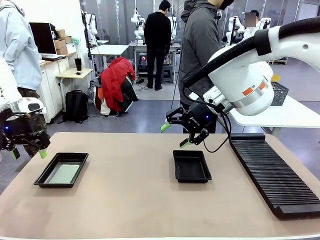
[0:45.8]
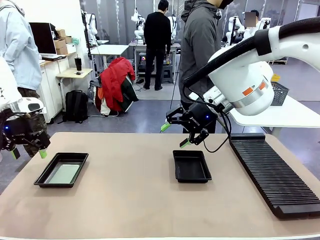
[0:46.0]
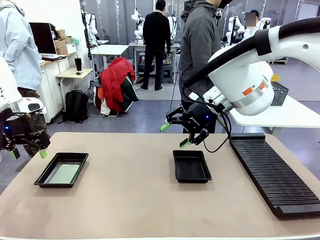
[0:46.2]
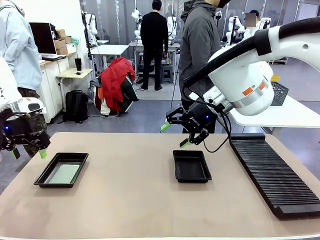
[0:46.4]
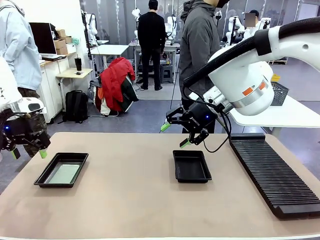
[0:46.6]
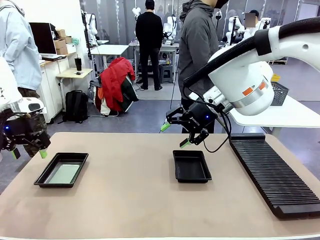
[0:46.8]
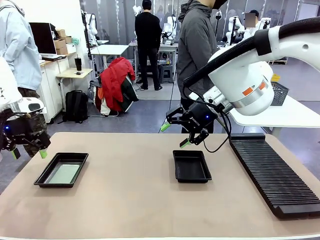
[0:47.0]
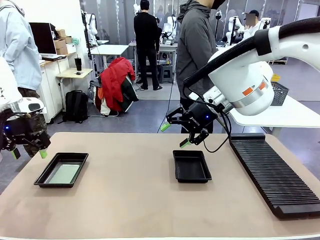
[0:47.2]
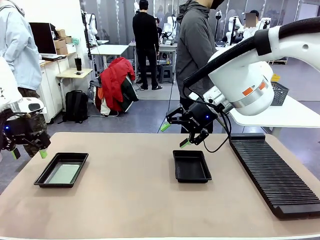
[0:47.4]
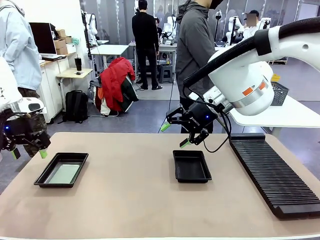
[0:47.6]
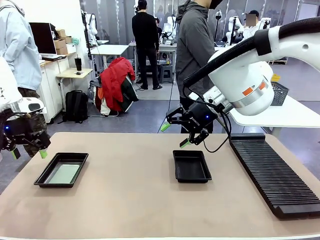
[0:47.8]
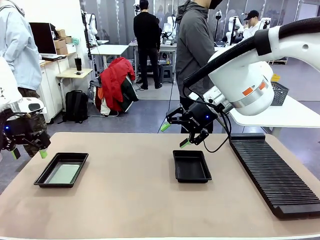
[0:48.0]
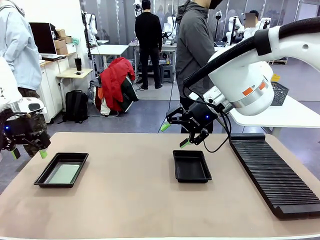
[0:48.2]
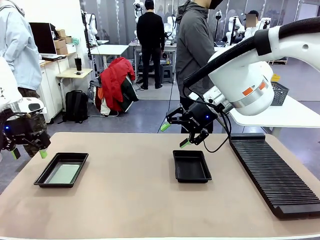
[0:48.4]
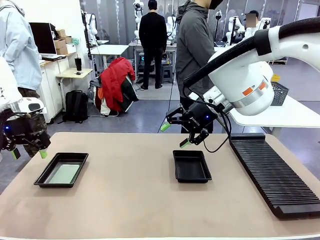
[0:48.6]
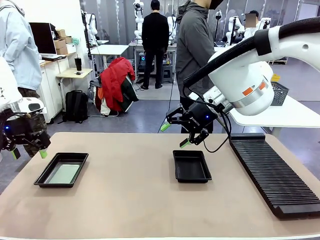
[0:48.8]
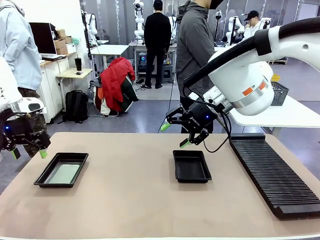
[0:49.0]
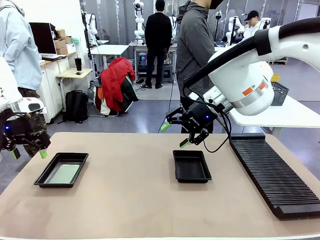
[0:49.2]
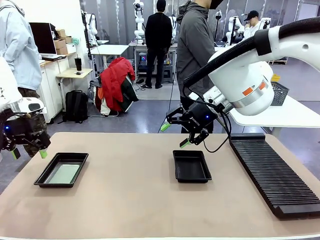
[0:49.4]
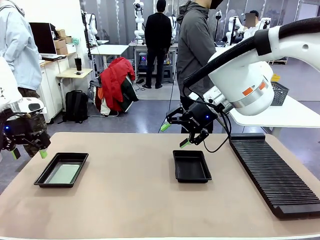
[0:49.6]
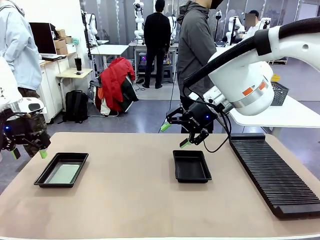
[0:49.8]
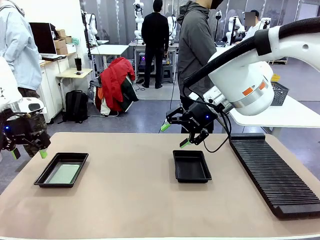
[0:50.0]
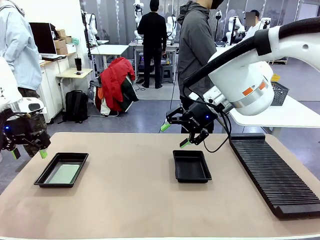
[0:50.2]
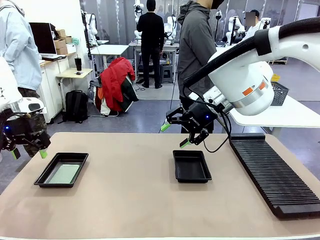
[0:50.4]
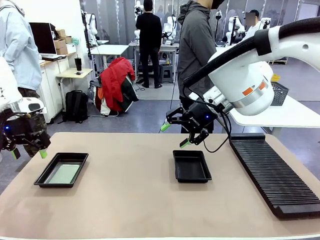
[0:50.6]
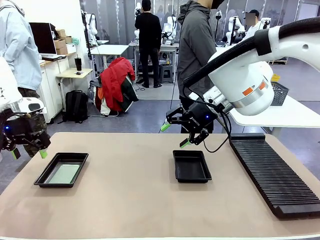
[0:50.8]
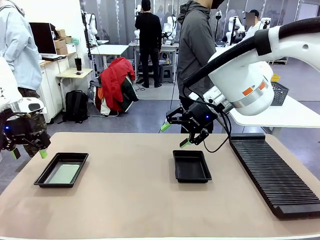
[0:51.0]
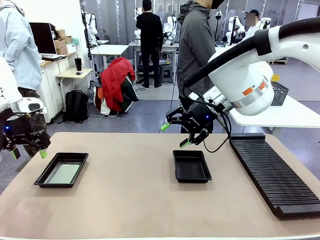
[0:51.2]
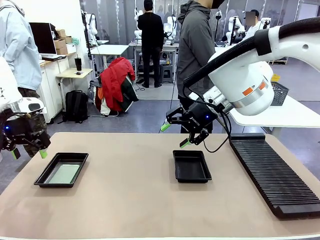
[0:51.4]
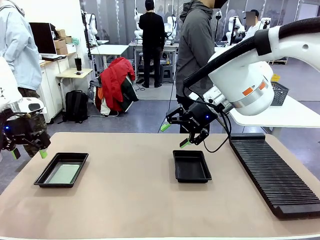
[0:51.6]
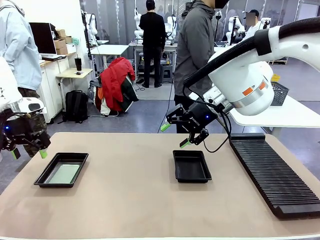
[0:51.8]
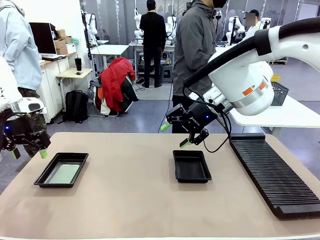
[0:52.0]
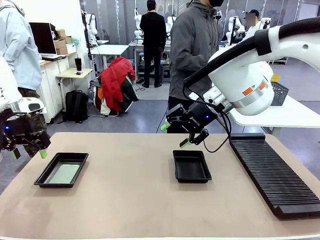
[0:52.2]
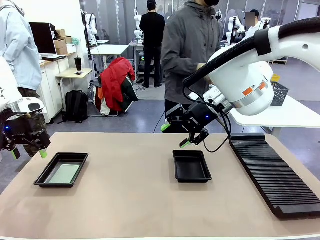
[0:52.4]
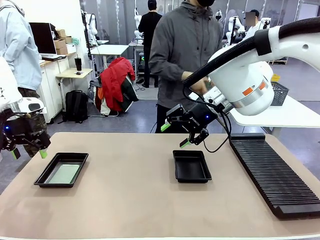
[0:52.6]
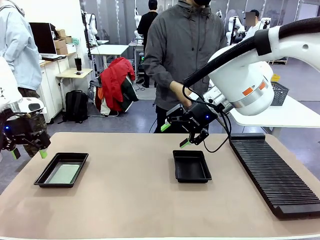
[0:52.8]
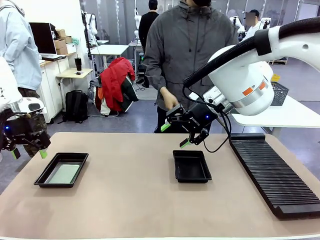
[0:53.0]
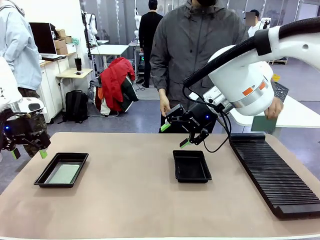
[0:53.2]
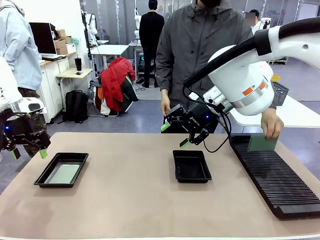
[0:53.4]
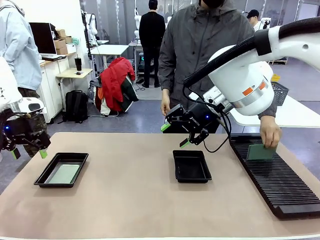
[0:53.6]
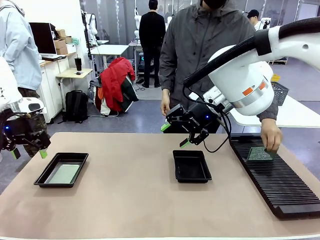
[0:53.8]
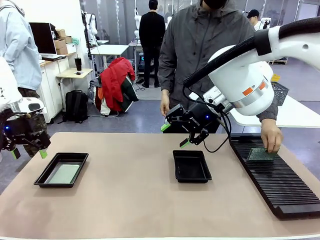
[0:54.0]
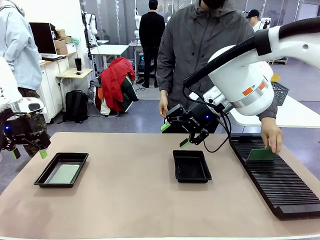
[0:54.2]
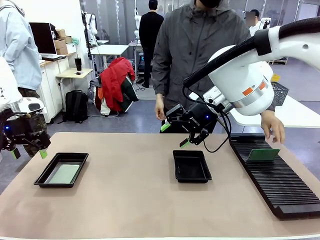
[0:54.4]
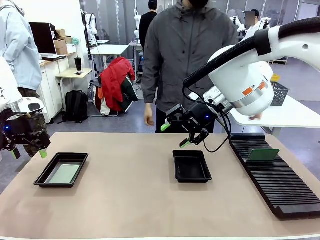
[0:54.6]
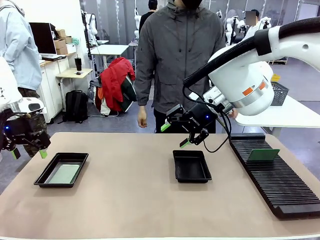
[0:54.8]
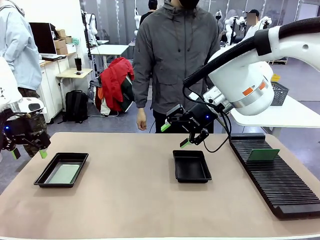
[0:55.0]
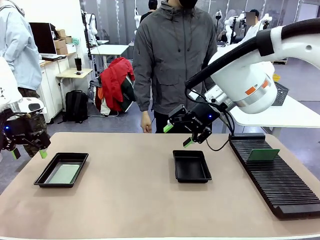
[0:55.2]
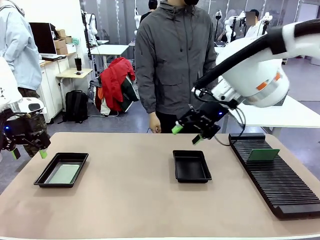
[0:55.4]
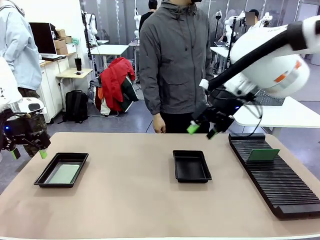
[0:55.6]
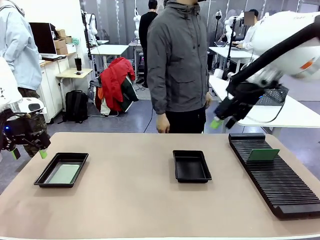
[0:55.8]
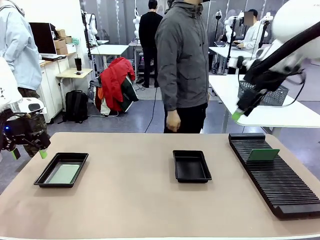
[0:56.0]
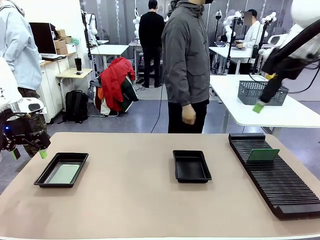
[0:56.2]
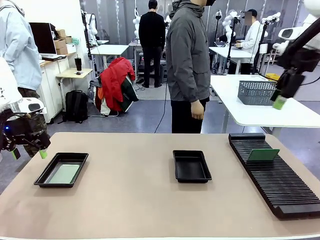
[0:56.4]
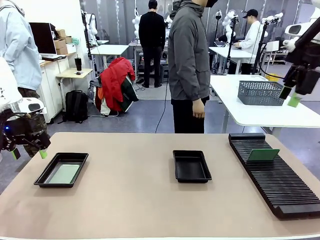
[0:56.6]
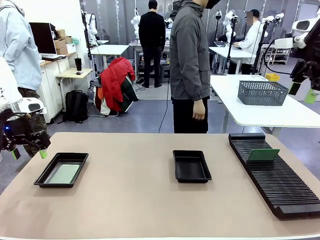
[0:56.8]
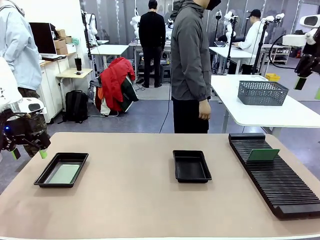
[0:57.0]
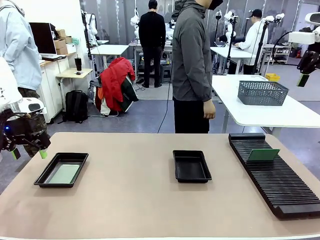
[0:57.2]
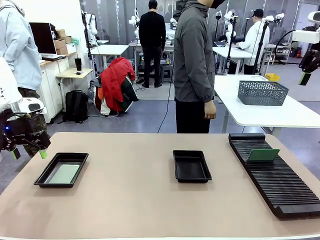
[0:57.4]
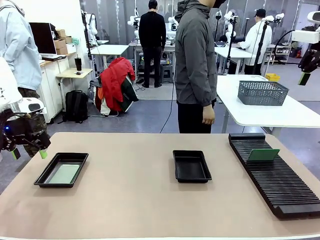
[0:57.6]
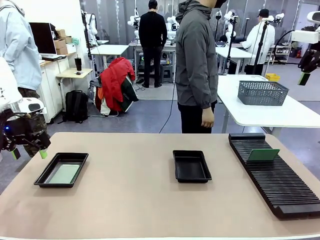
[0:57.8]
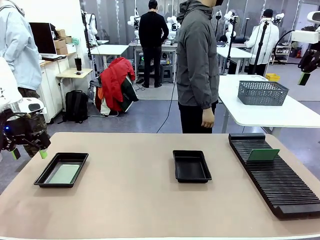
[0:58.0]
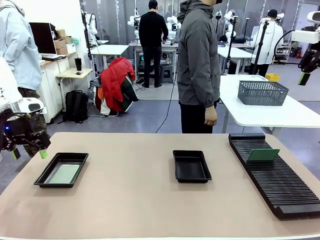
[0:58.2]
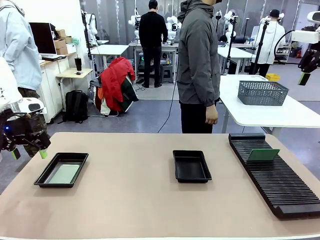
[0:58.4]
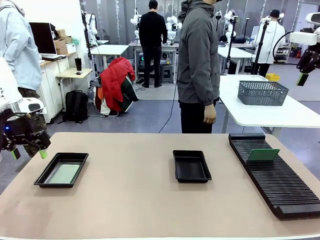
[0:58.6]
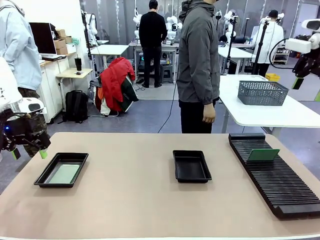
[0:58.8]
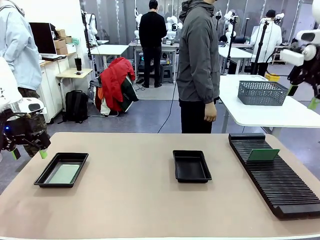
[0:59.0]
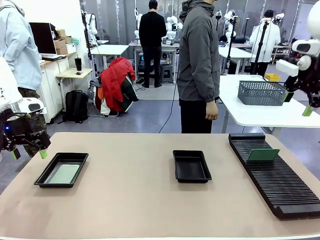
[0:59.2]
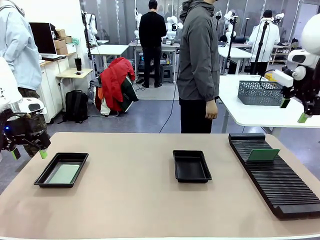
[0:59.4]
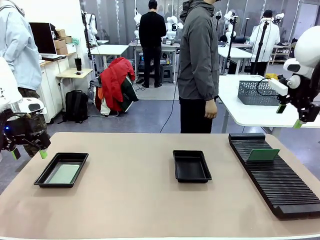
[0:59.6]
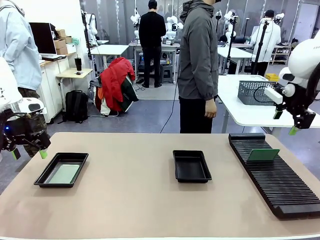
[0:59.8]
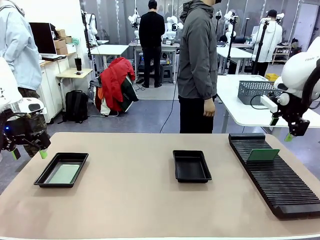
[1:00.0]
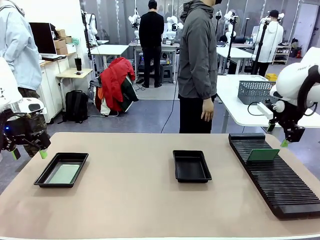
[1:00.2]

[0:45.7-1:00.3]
Task: Inspect and transfer BCBs to ESD trays.
Robot: Pick up the Blank PCB from the PCB Rack and place it in the right ESD tray.
